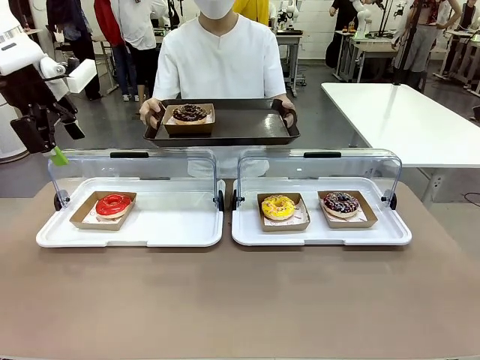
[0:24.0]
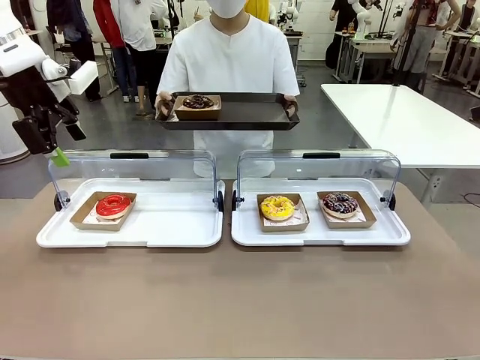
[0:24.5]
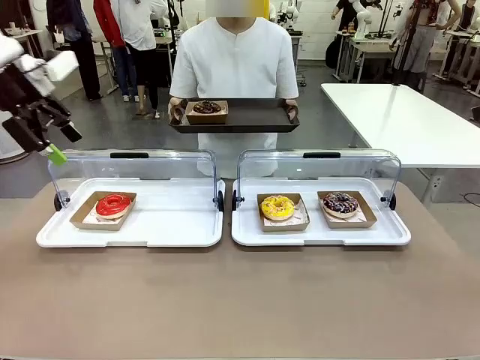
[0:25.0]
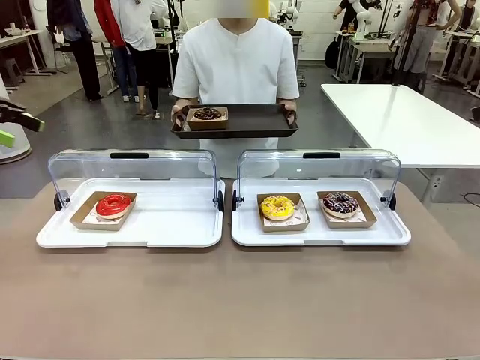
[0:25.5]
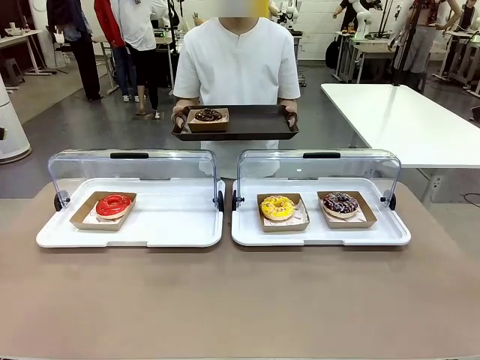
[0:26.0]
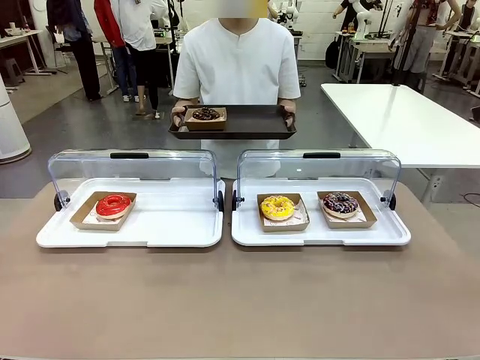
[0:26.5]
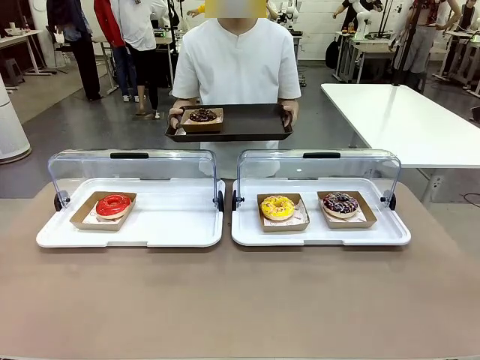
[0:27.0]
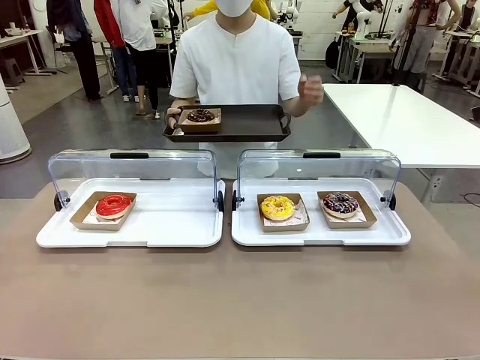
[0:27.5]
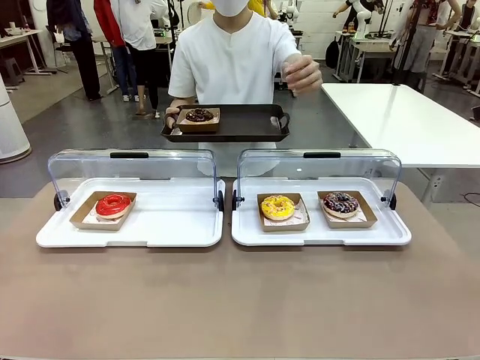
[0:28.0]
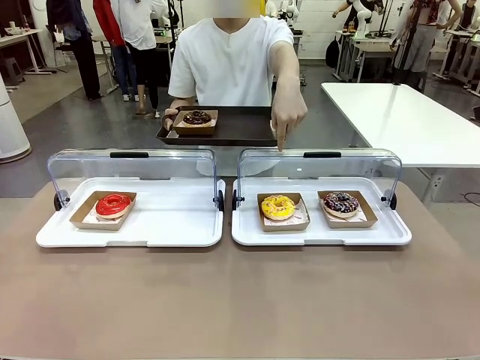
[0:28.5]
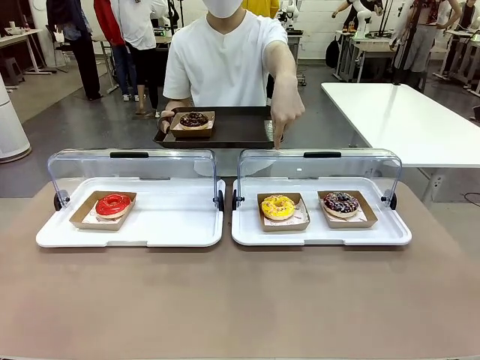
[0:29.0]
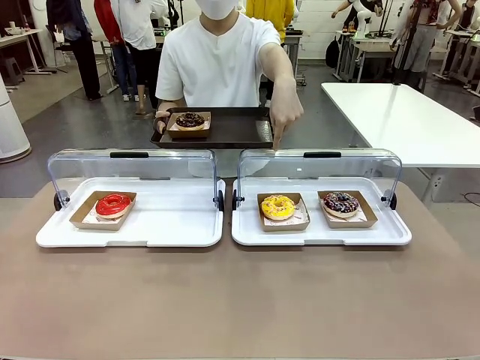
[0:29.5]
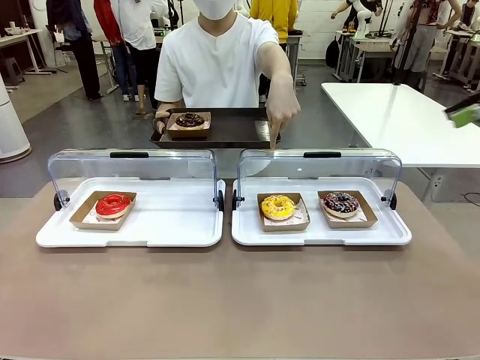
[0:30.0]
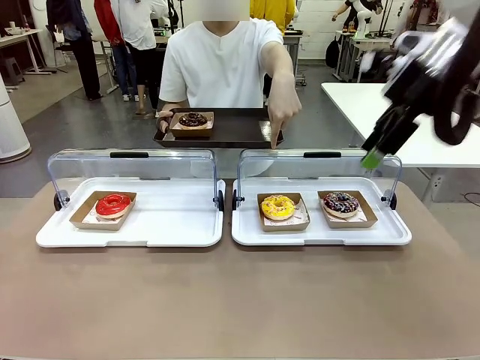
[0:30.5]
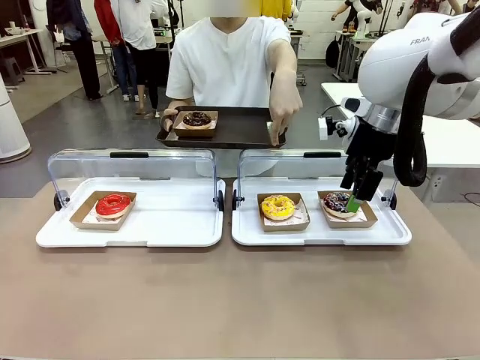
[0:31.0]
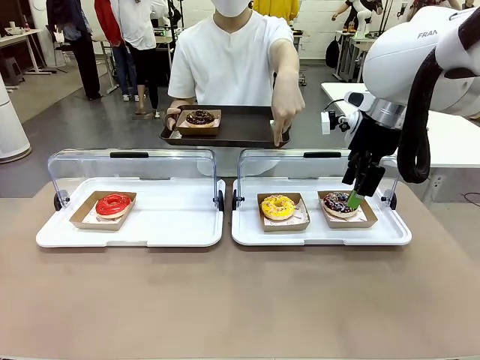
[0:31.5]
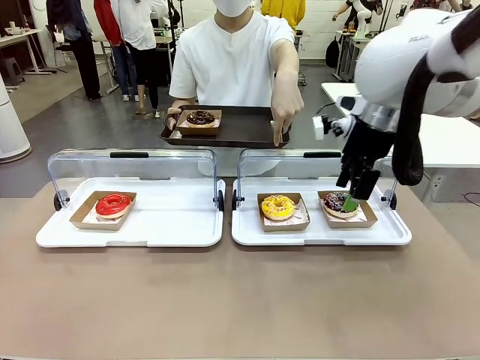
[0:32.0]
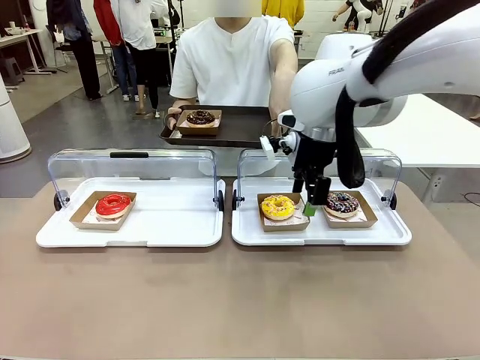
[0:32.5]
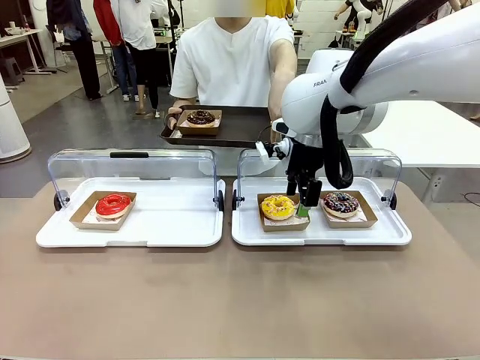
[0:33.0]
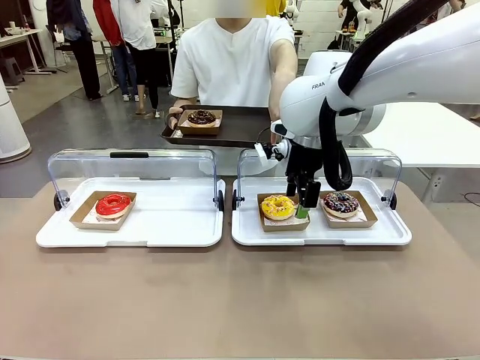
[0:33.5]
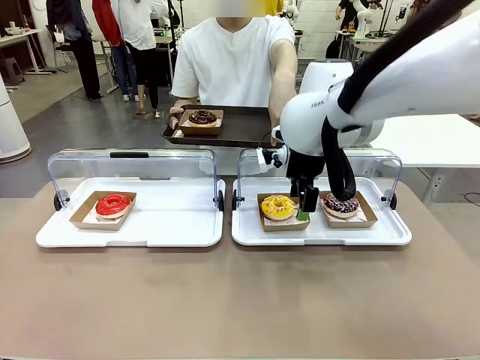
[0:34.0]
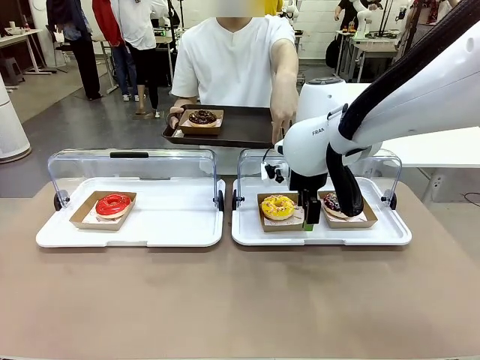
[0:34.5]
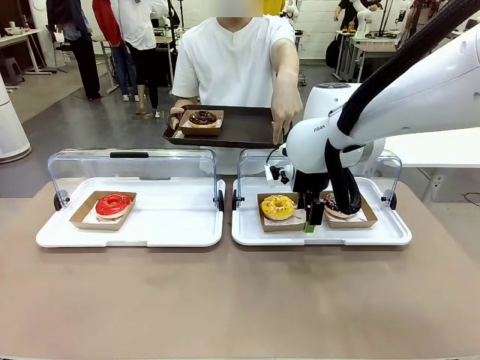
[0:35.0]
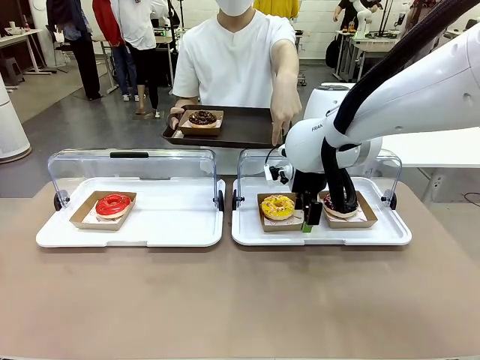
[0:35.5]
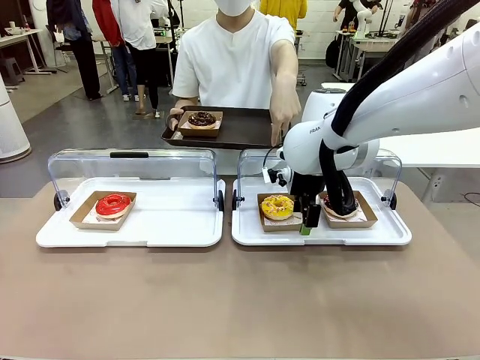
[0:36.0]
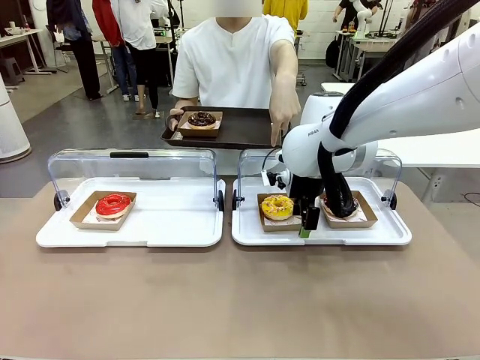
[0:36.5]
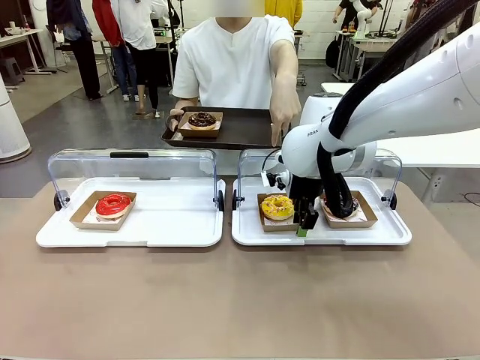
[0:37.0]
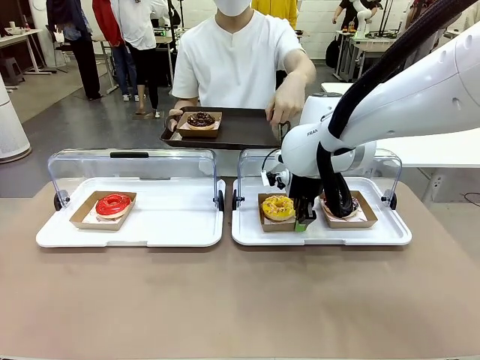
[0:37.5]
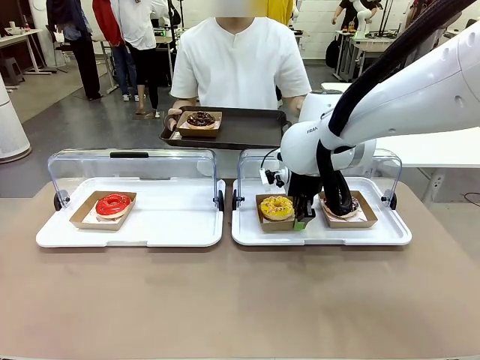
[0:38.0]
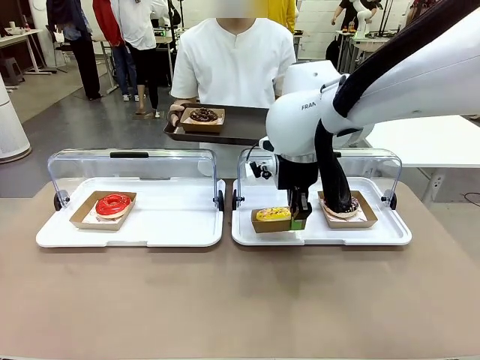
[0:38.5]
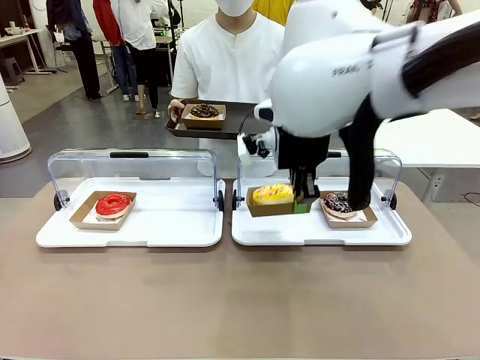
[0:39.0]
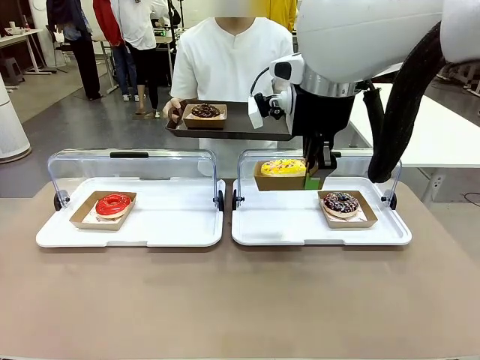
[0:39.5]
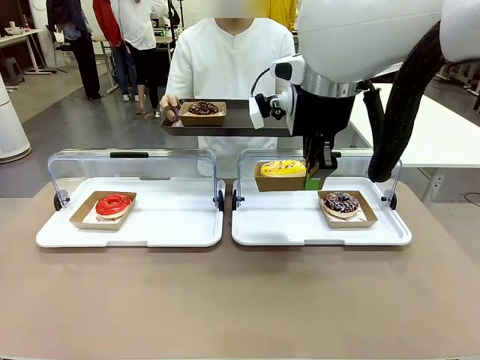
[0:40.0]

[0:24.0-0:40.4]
Task: Provide the desired donut to the person.
Robot: Pick up and lift the Paper togo box containing the Donut pointed at by the person.
Person: Point to one donut. Lift the tray onto the Roll-Top Bakery Case.

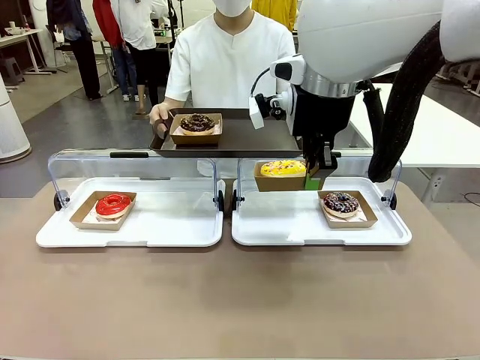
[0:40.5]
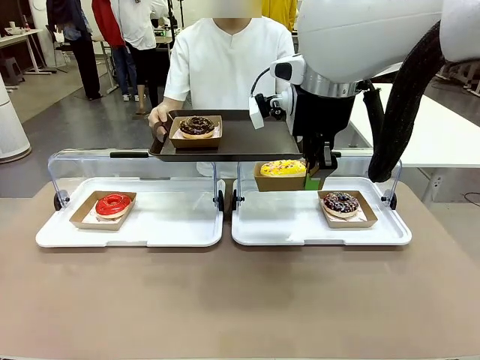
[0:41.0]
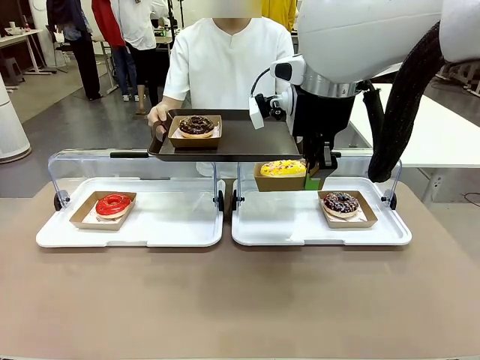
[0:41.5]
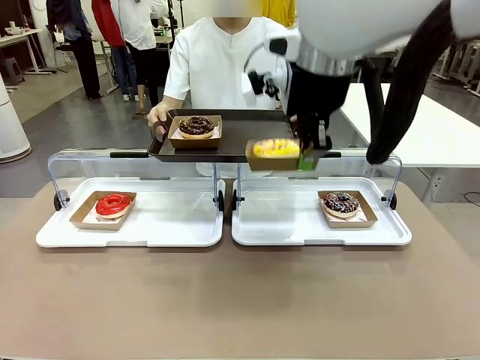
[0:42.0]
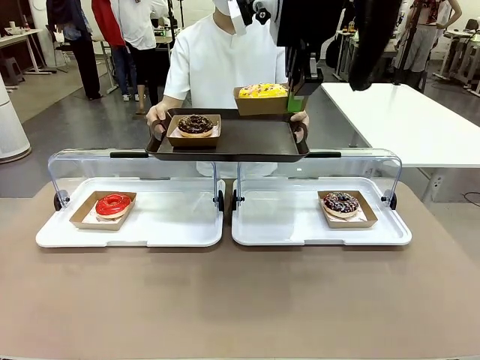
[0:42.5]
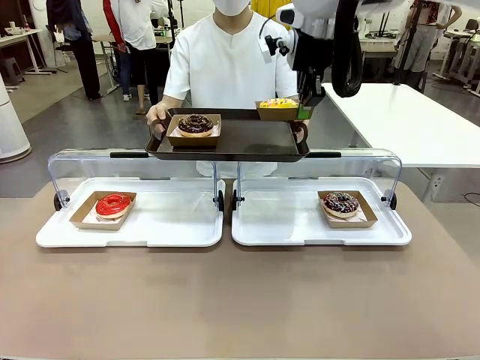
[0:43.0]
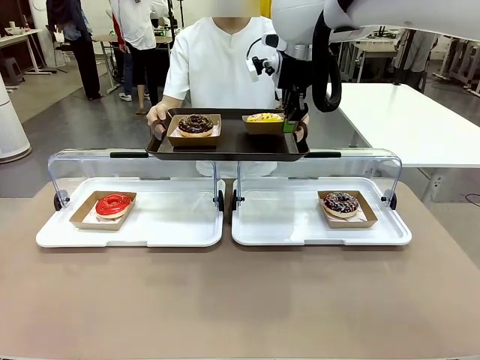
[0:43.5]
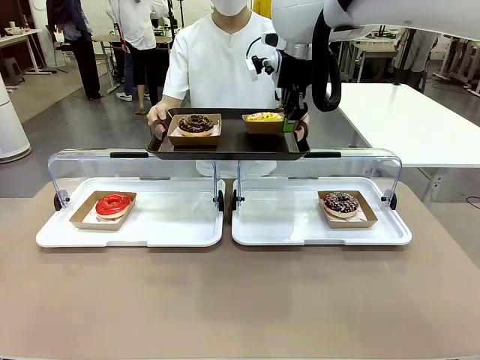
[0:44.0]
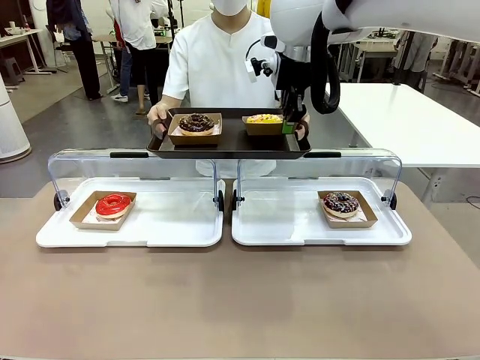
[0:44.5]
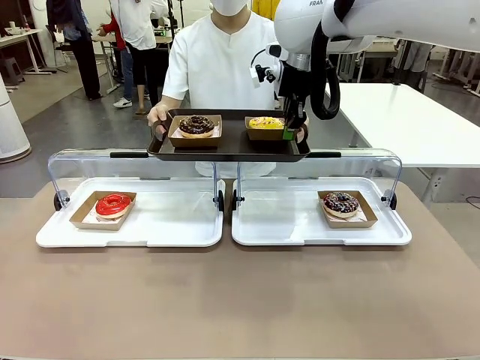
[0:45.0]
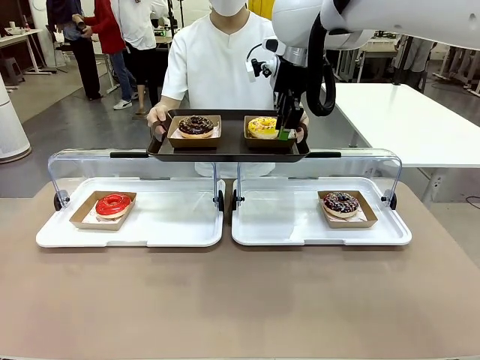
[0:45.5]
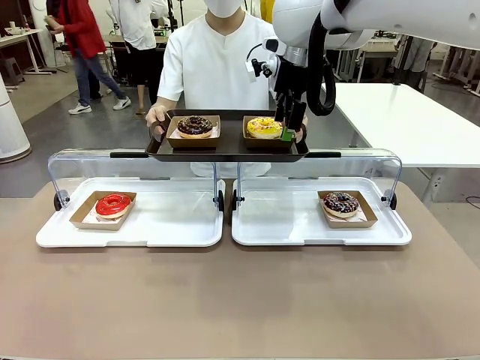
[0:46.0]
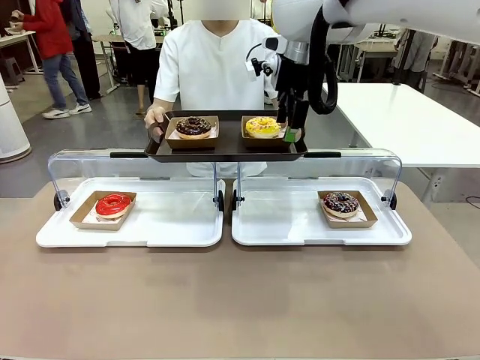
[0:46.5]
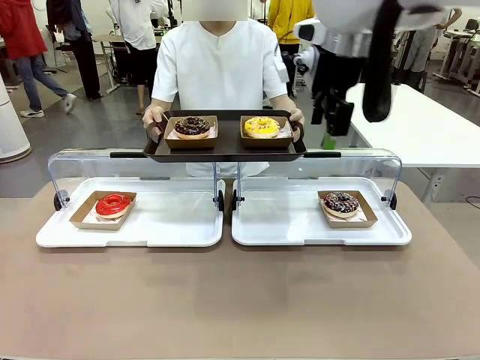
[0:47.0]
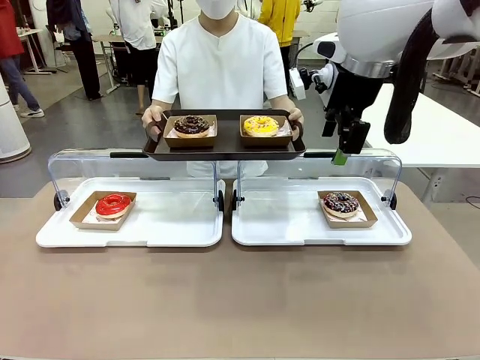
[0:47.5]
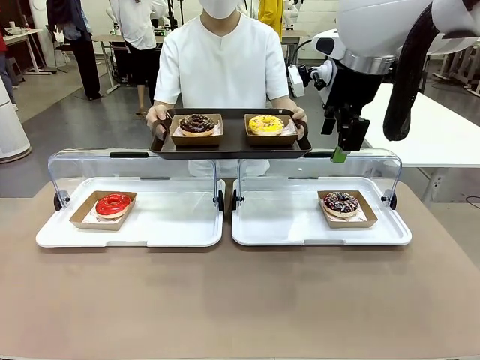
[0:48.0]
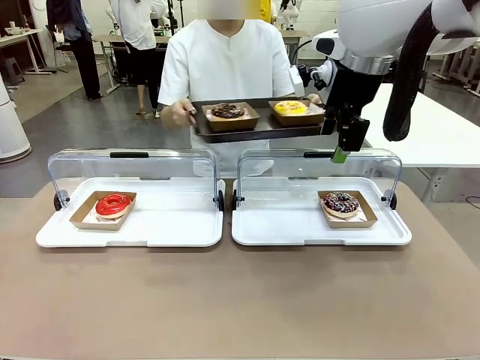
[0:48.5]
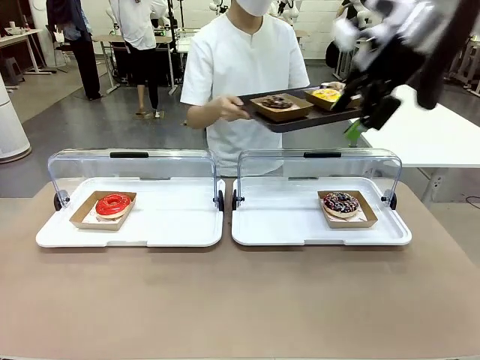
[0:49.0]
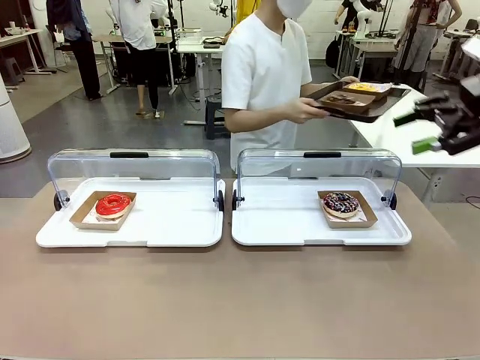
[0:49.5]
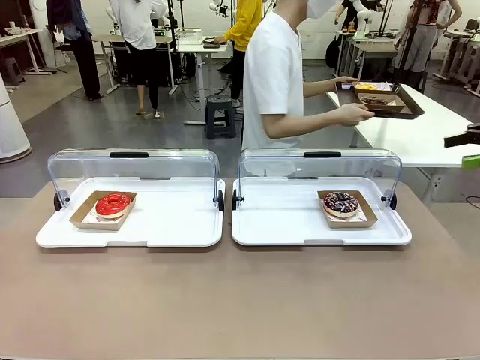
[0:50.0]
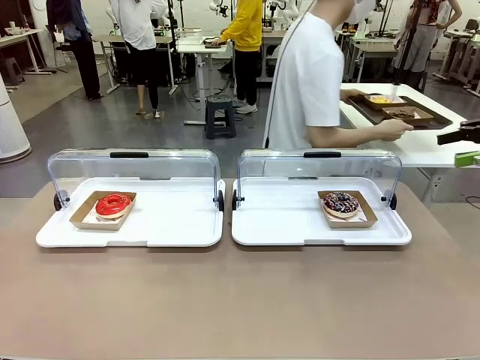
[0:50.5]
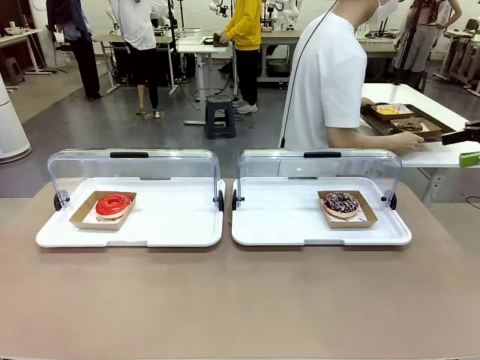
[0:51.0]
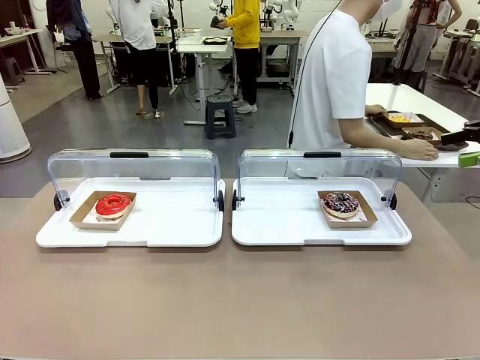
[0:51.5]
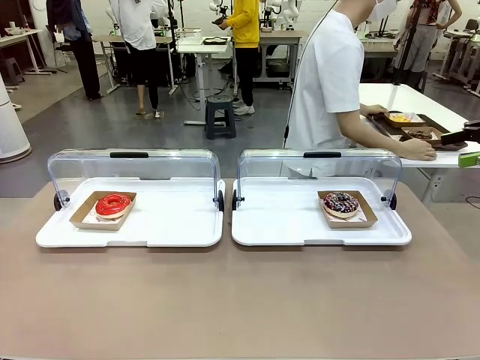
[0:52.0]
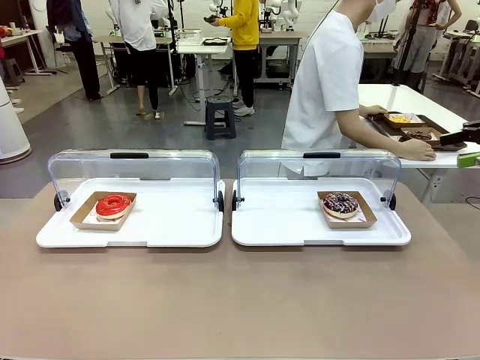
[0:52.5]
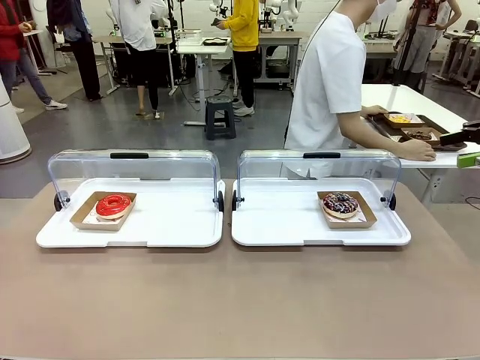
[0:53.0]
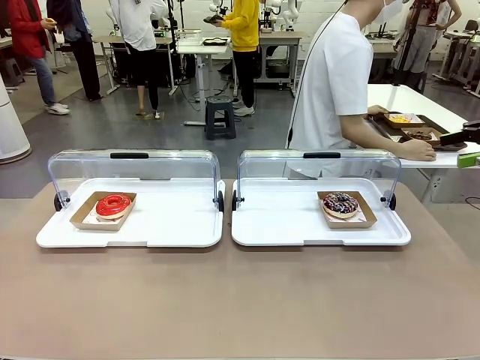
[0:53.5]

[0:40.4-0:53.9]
Robot: Place the picked Paper togo box onto the Handle tray extended by the person.
Person: Place the tray in the middle of the human table.
